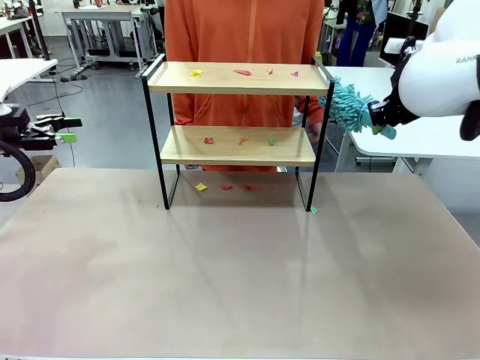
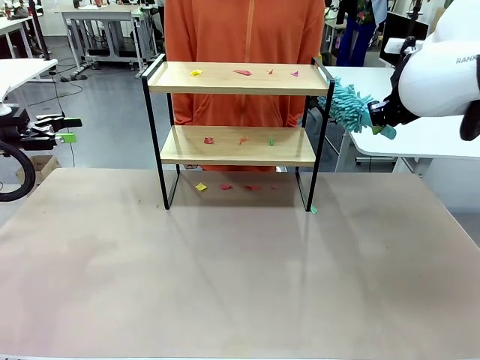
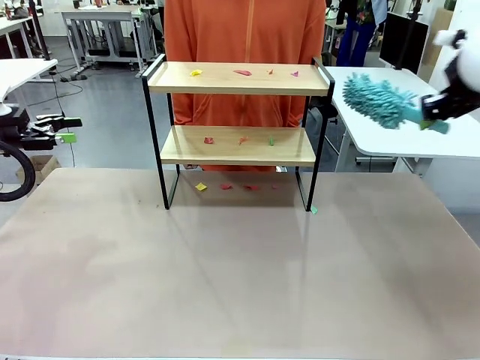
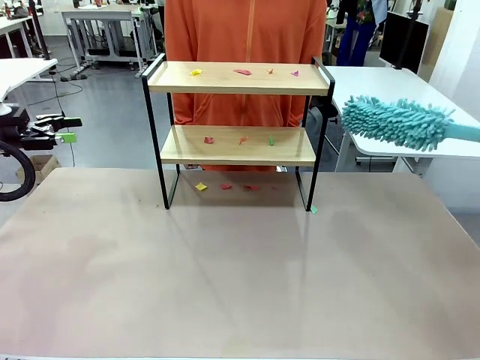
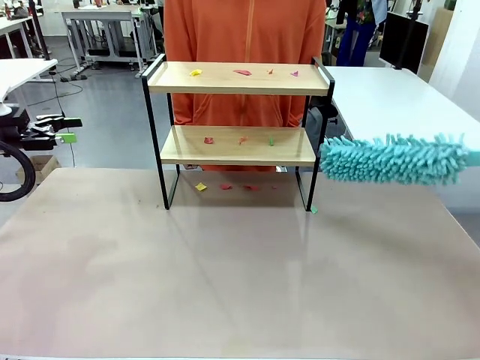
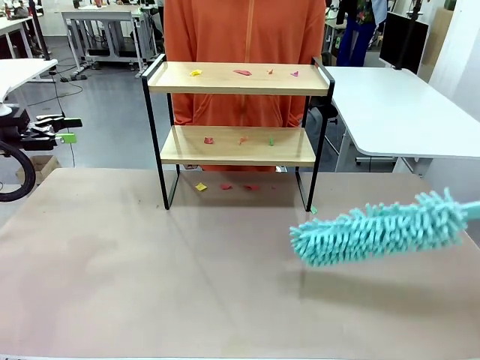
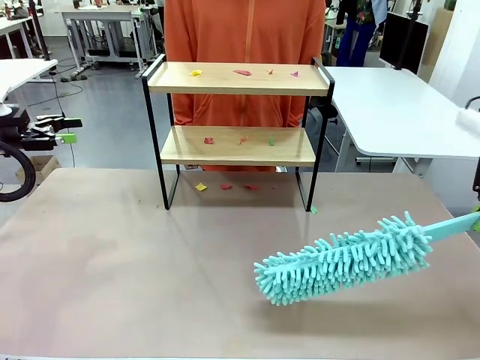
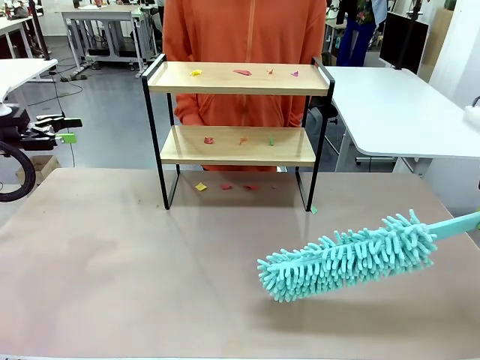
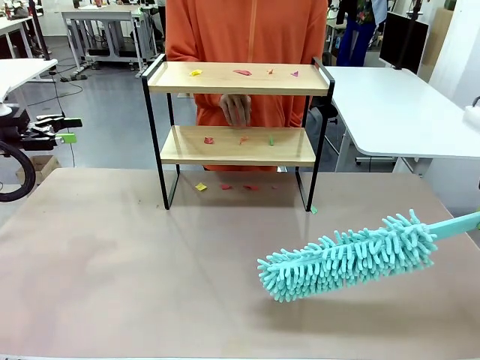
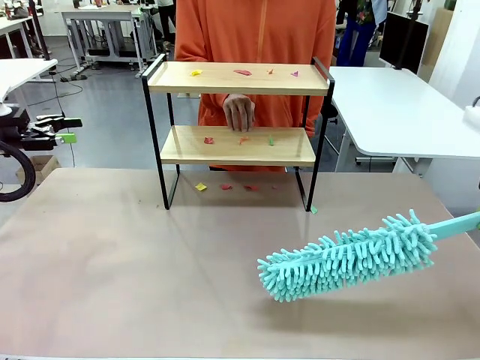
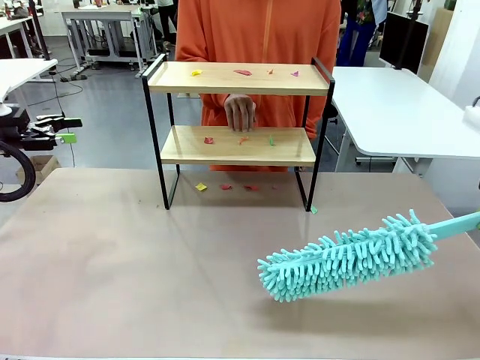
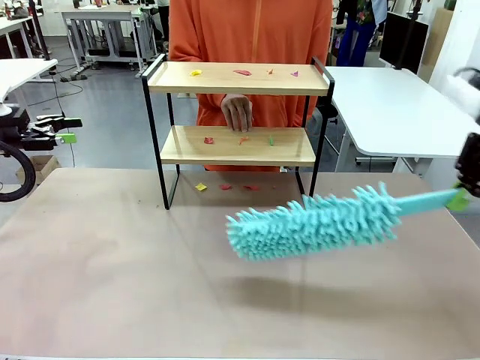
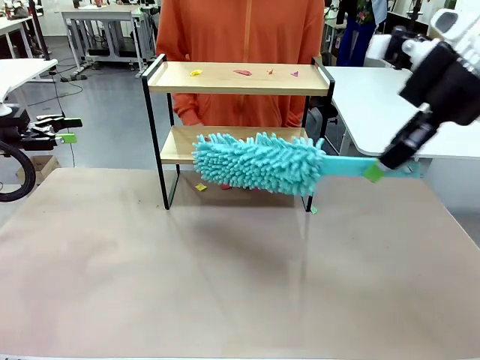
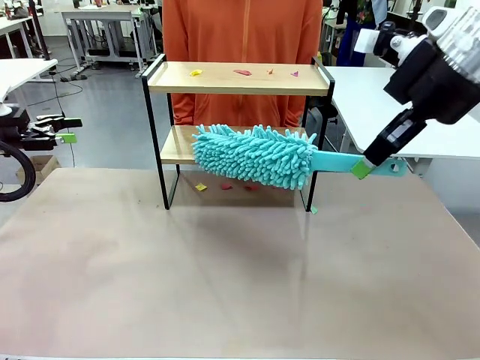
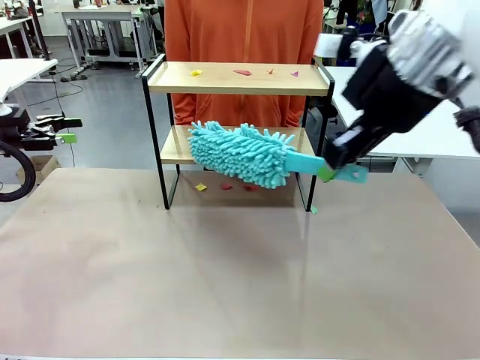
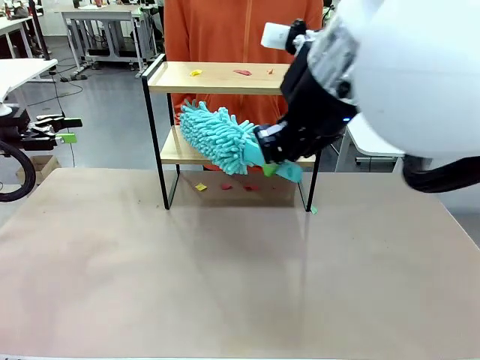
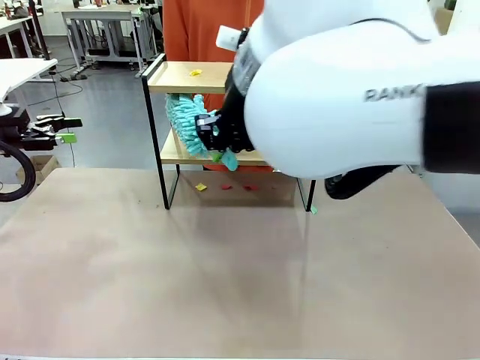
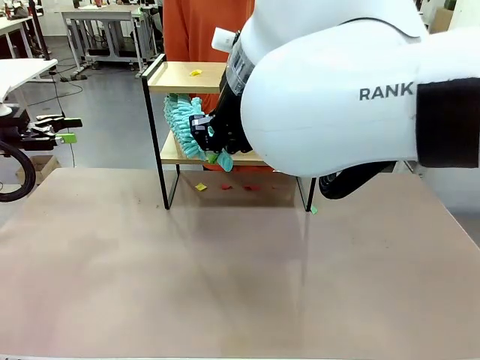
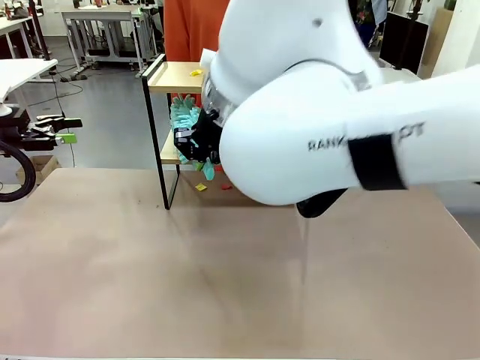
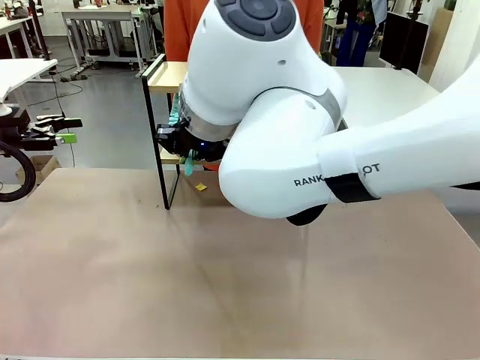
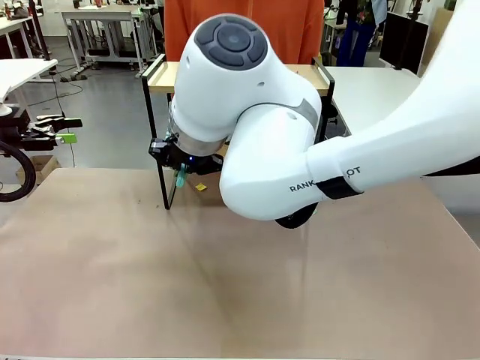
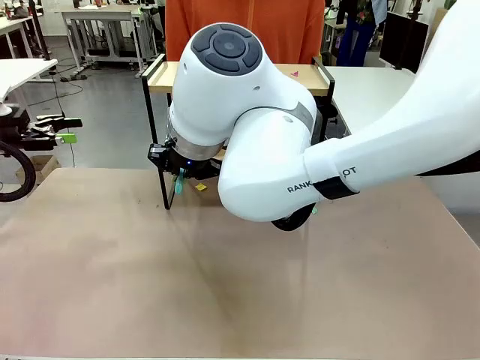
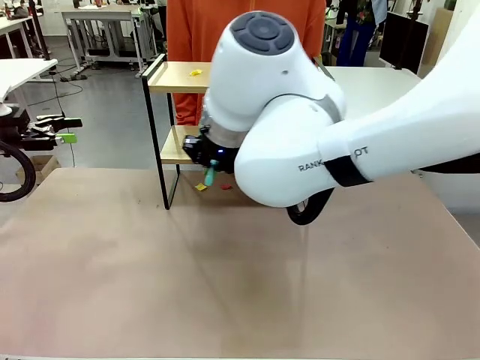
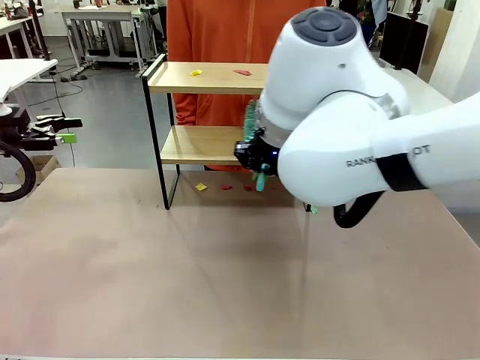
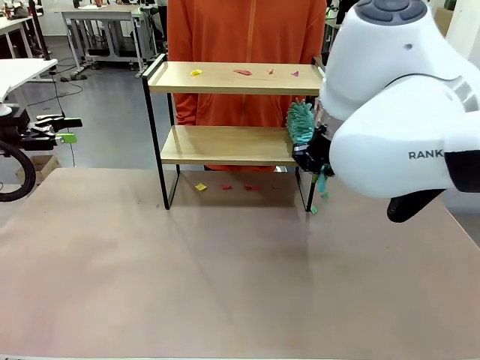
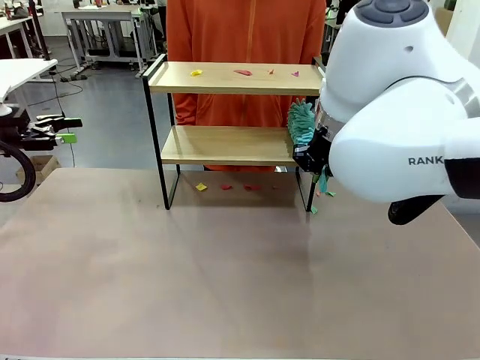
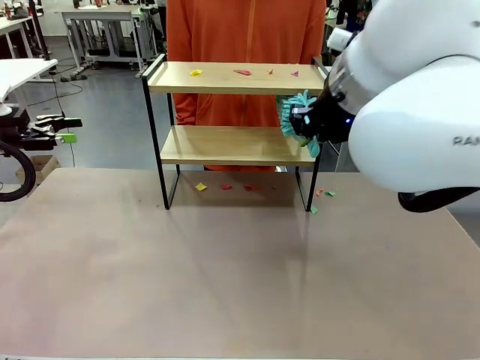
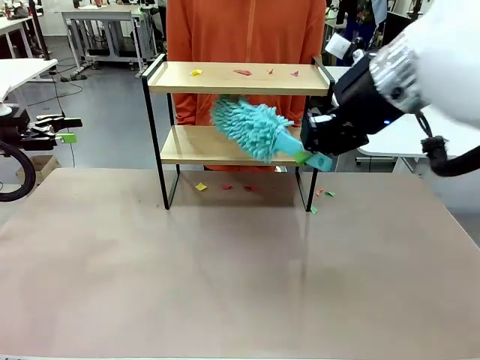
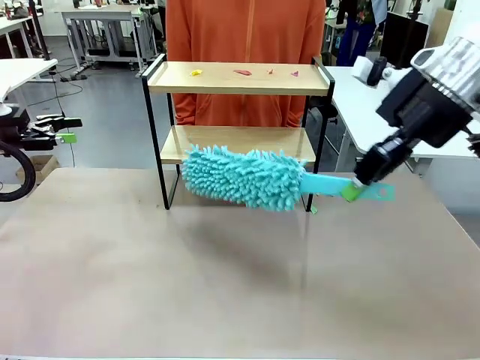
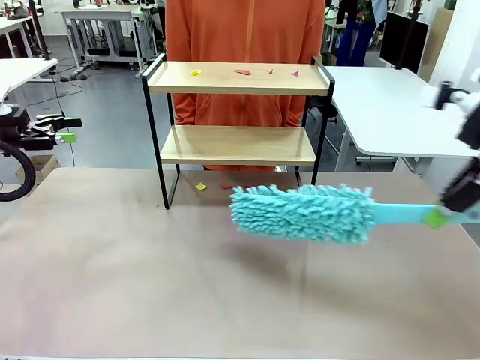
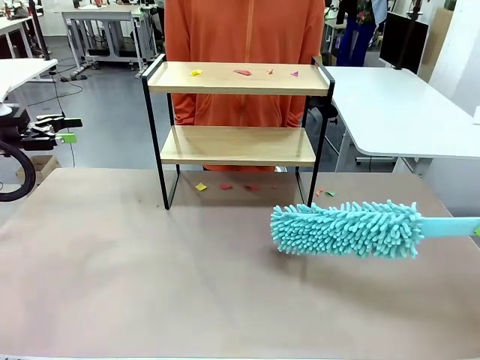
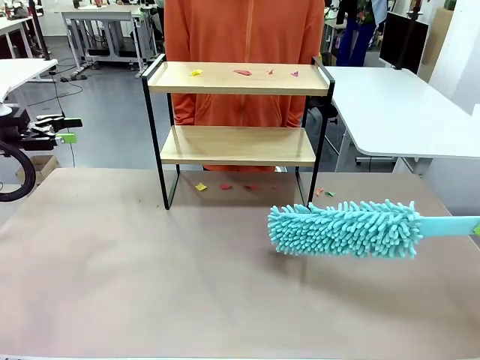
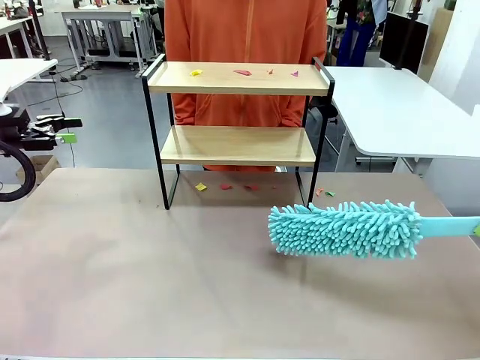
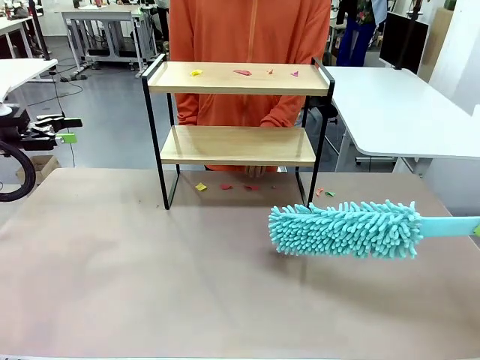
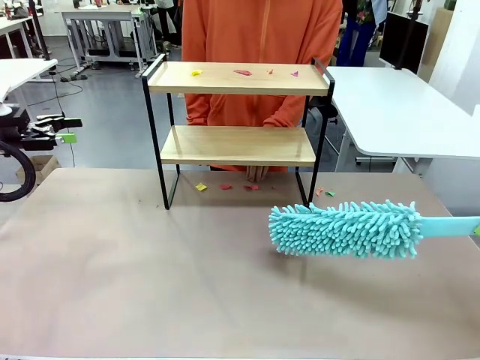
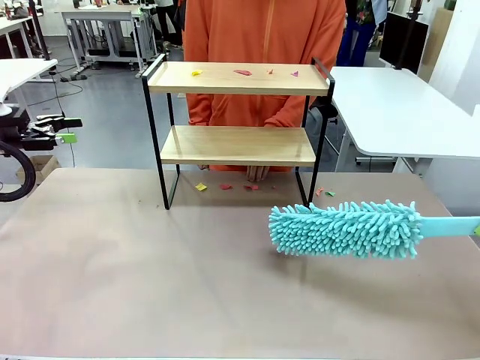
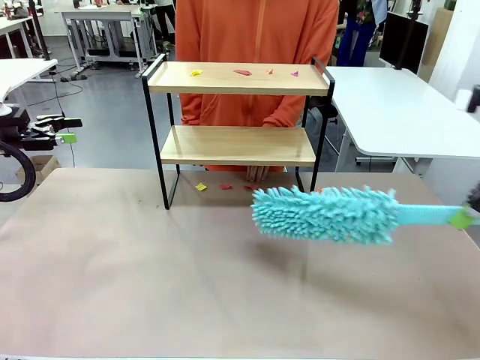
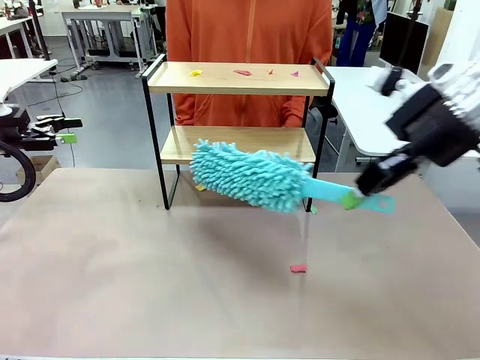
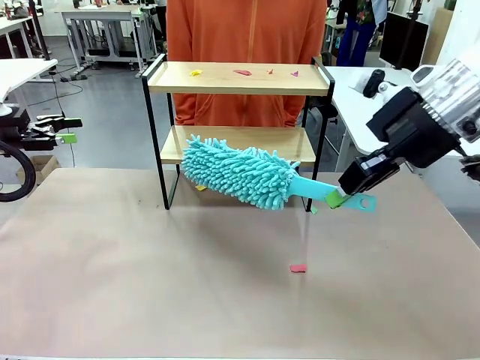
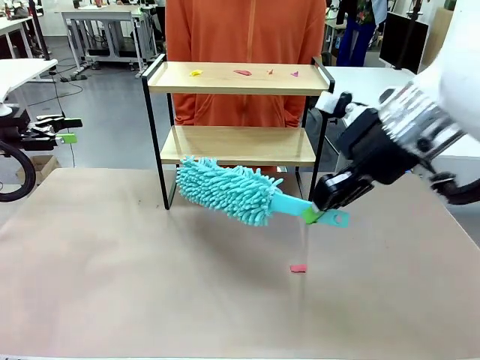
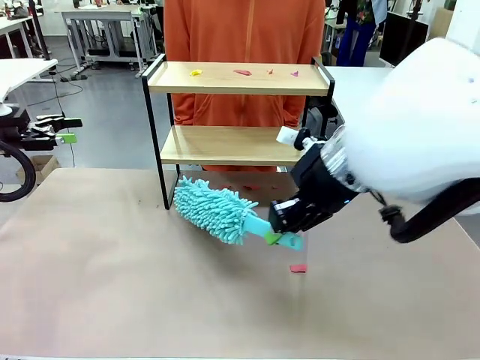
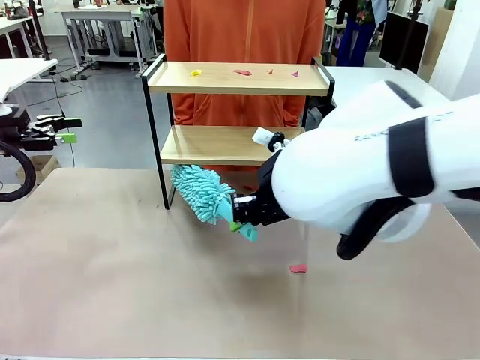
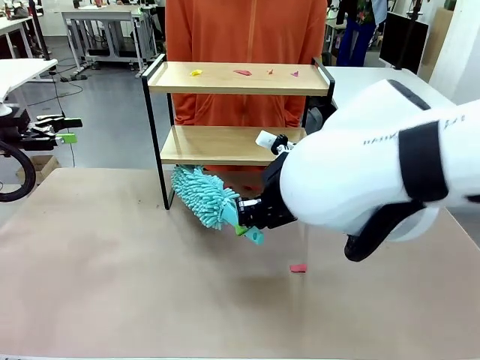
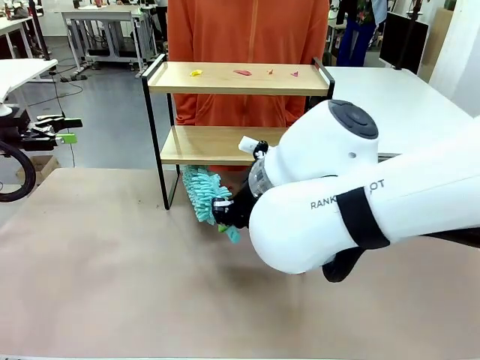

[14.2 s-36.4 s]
Task: Clean the shelf.
Robot: Clean the specific section of the Shelf indicated by the human with the Duster.
Person: Point a random section of the Shelf.
